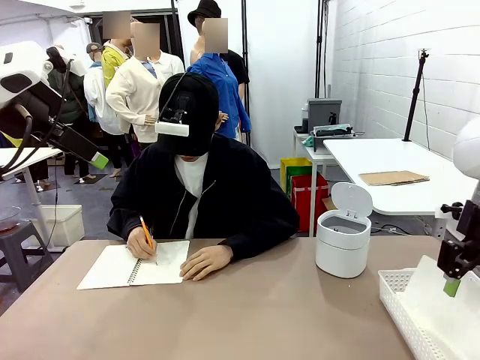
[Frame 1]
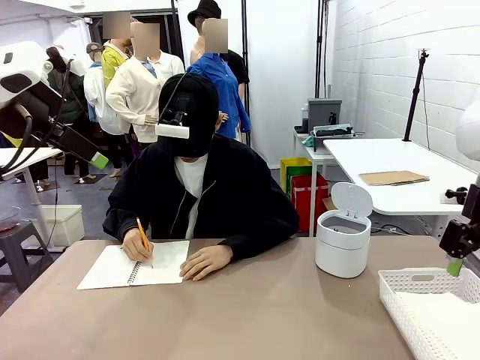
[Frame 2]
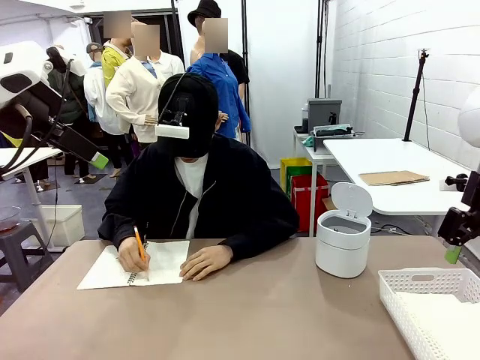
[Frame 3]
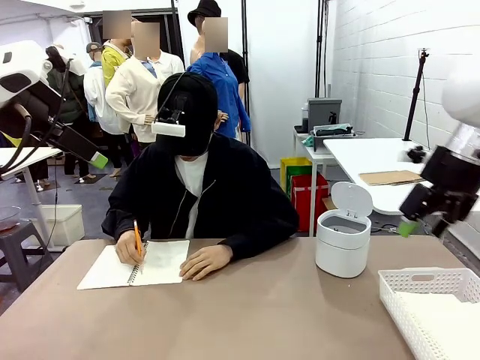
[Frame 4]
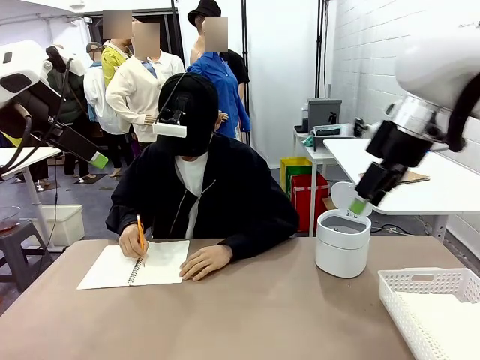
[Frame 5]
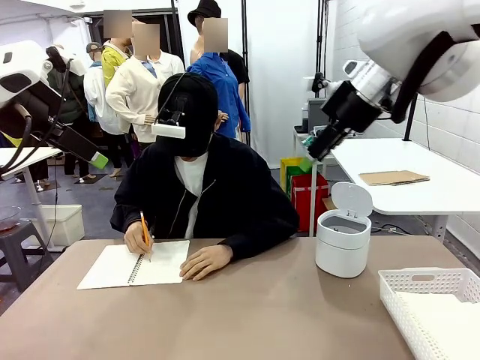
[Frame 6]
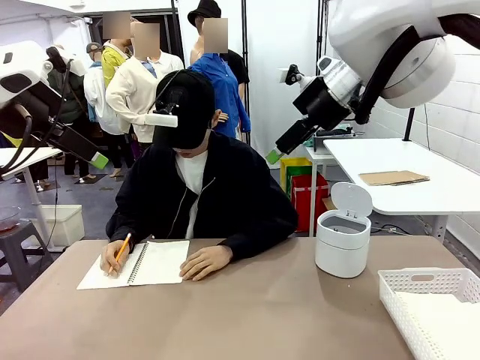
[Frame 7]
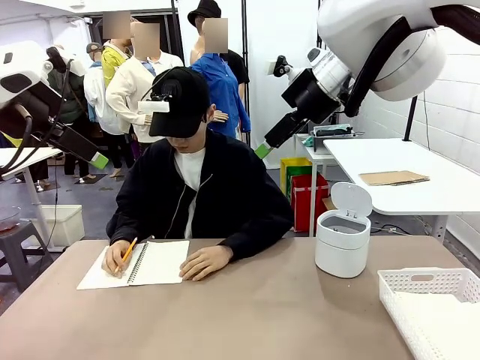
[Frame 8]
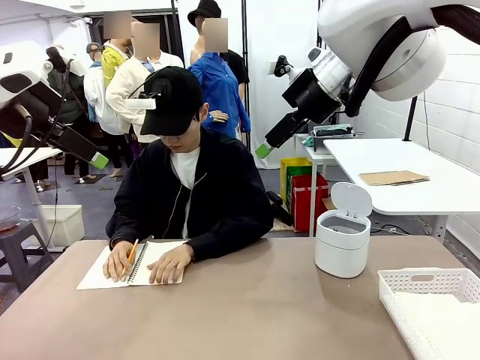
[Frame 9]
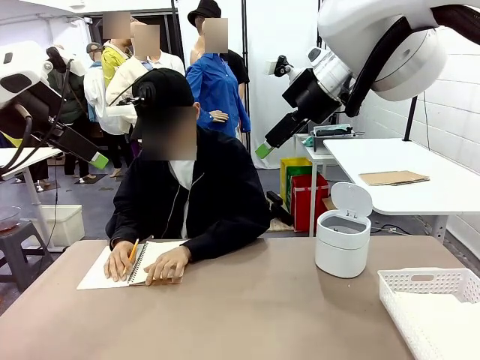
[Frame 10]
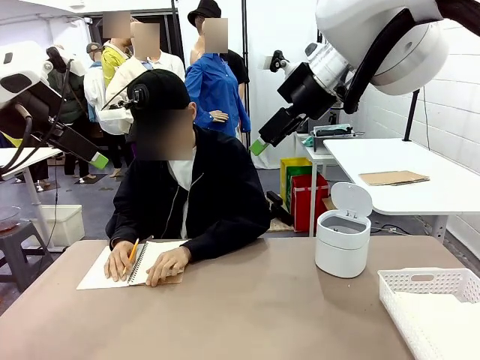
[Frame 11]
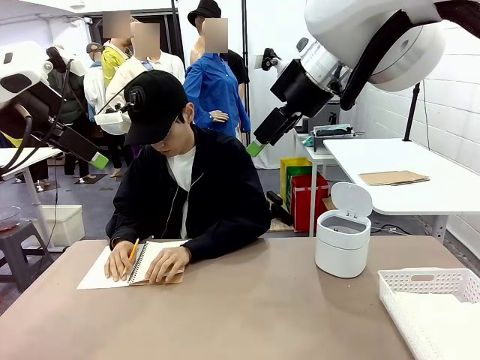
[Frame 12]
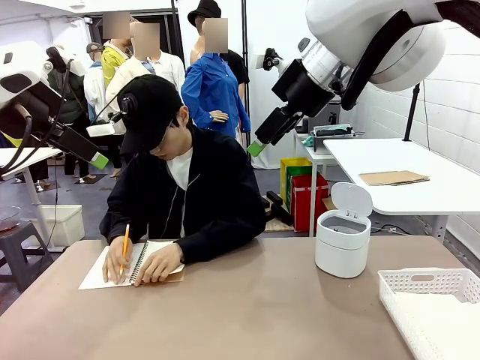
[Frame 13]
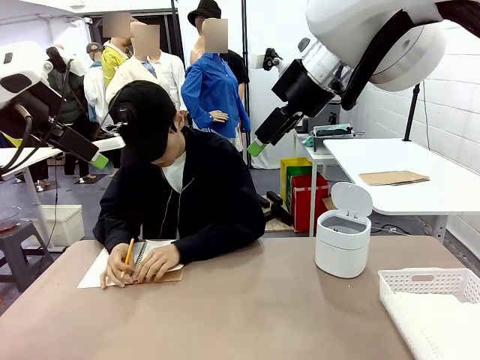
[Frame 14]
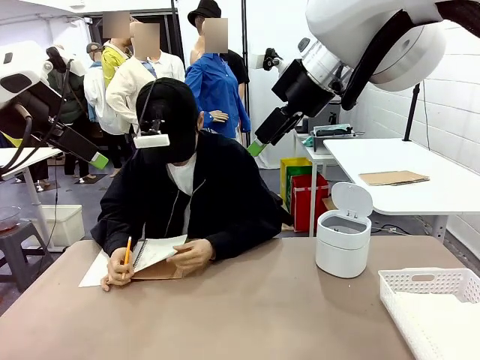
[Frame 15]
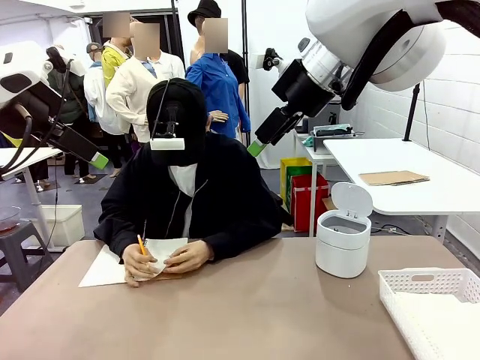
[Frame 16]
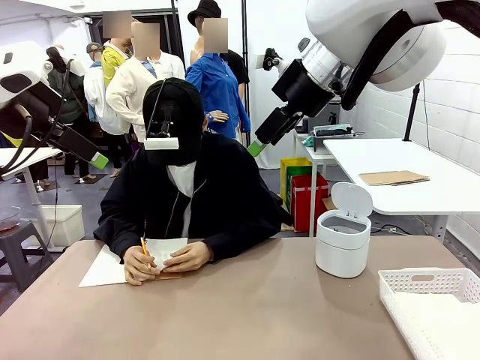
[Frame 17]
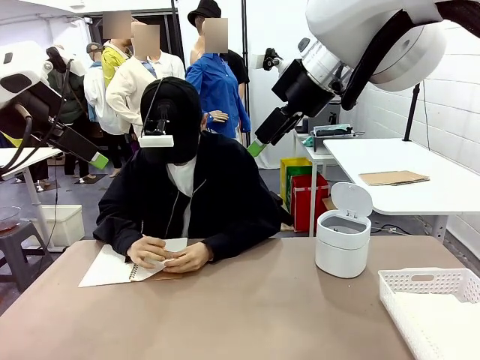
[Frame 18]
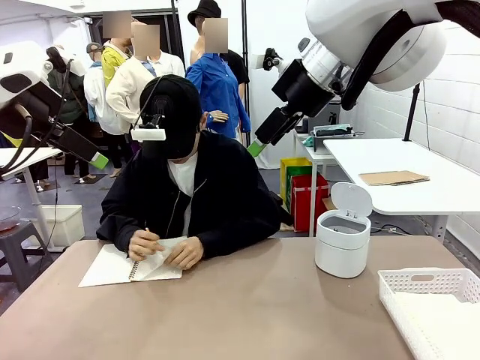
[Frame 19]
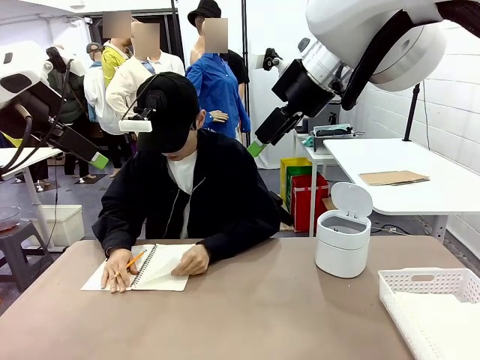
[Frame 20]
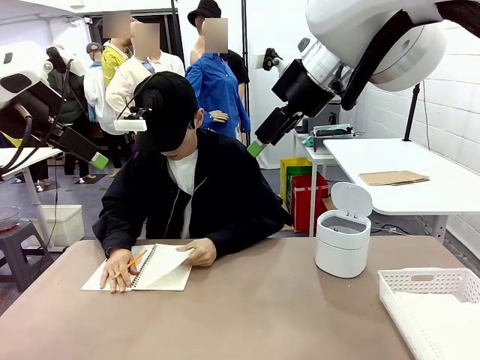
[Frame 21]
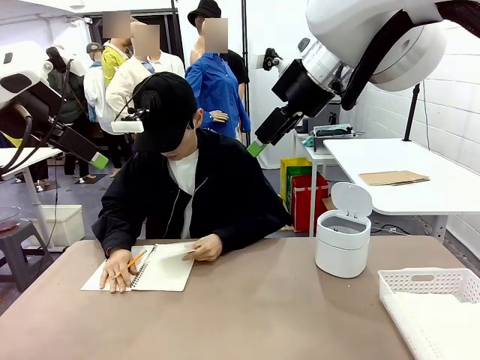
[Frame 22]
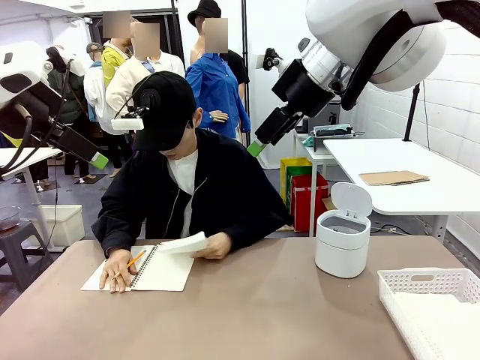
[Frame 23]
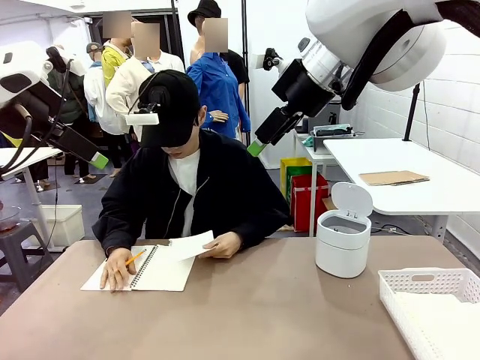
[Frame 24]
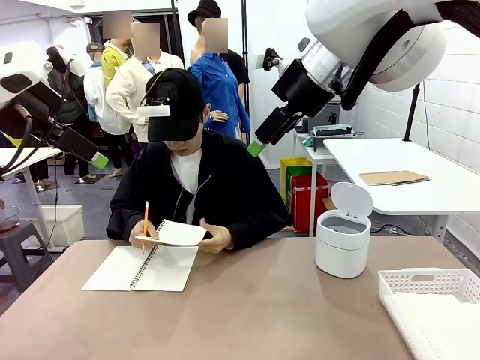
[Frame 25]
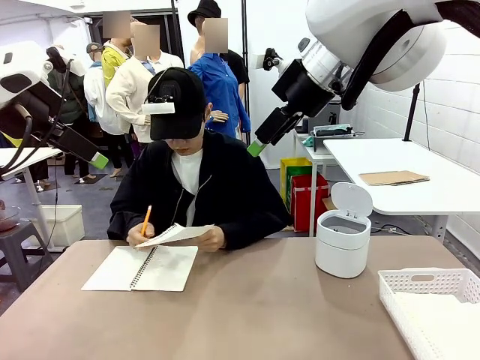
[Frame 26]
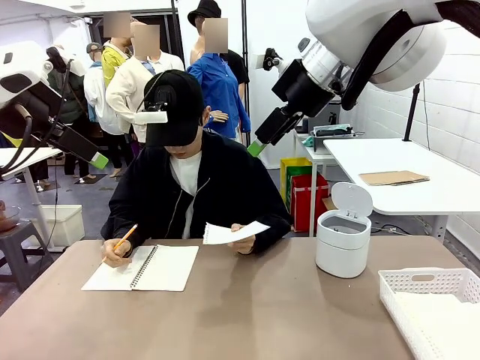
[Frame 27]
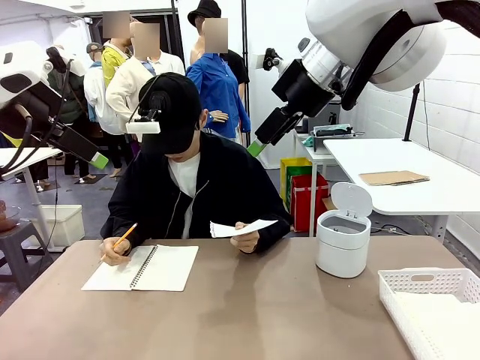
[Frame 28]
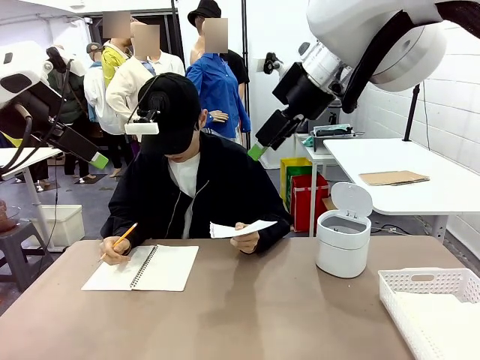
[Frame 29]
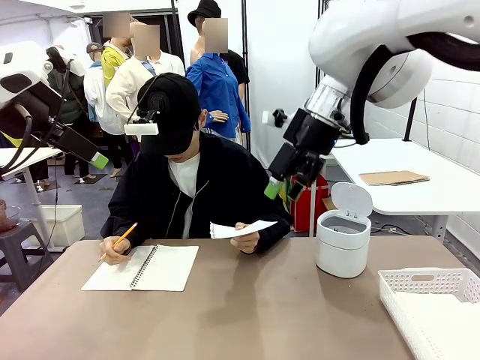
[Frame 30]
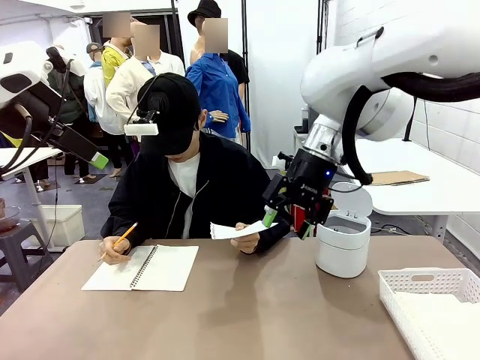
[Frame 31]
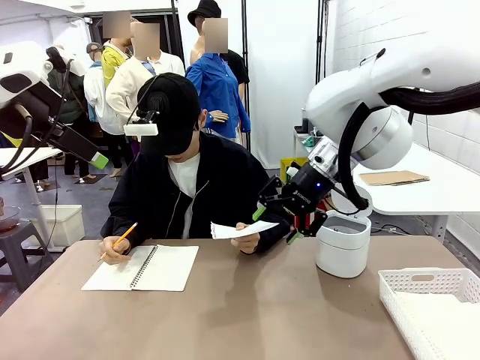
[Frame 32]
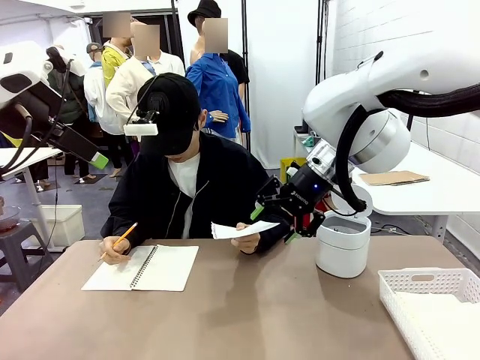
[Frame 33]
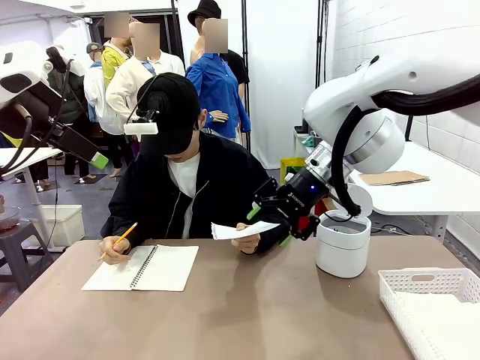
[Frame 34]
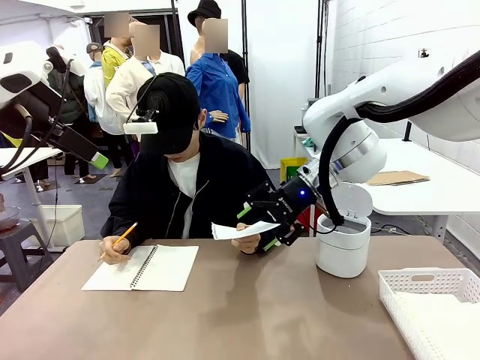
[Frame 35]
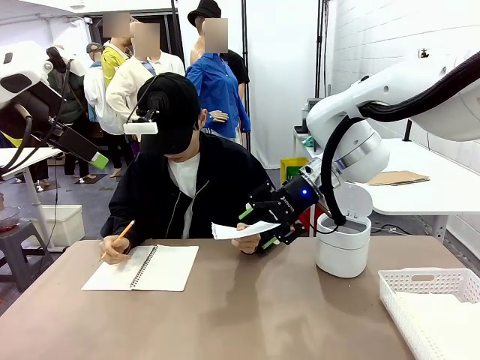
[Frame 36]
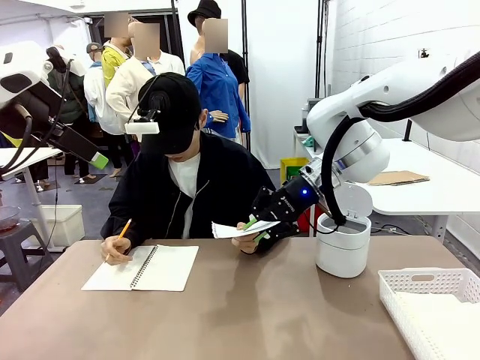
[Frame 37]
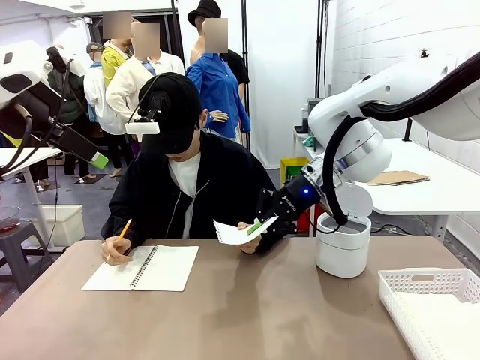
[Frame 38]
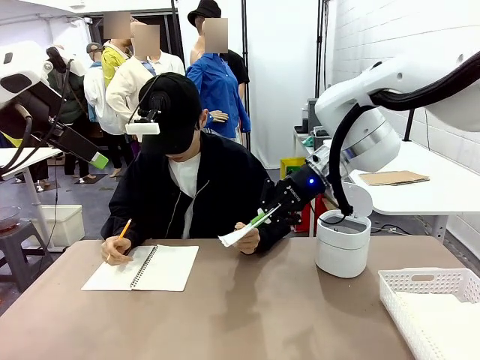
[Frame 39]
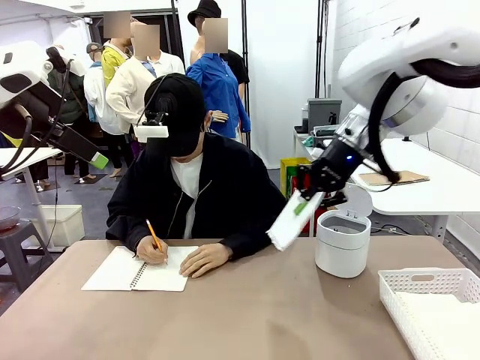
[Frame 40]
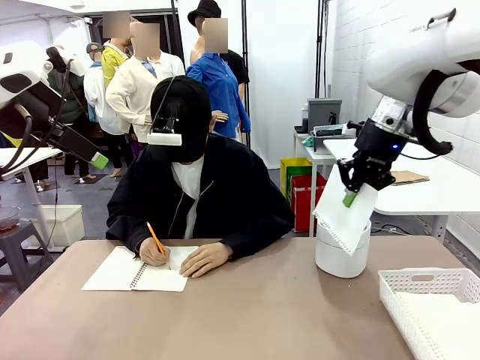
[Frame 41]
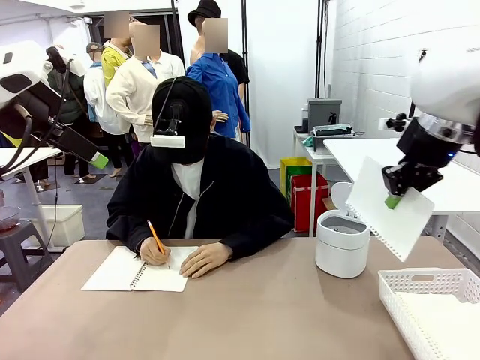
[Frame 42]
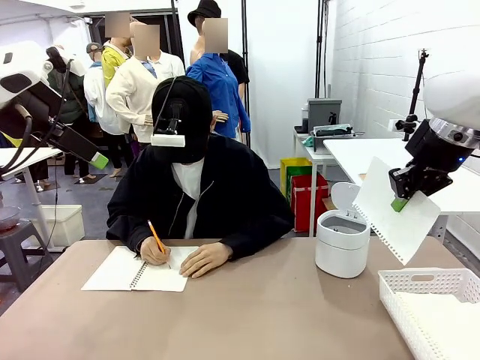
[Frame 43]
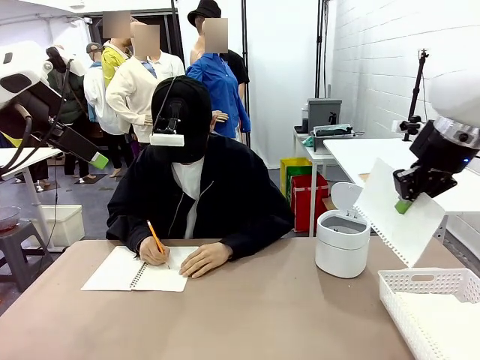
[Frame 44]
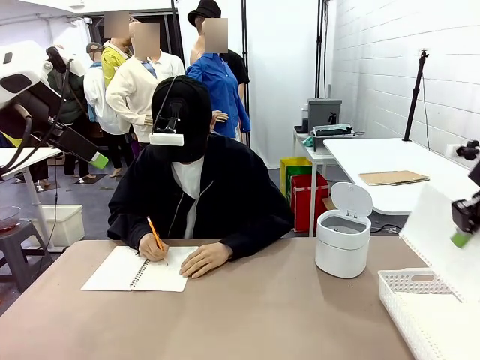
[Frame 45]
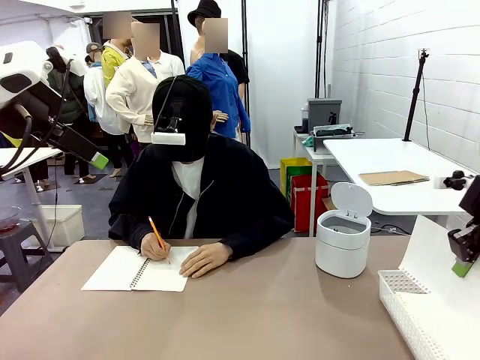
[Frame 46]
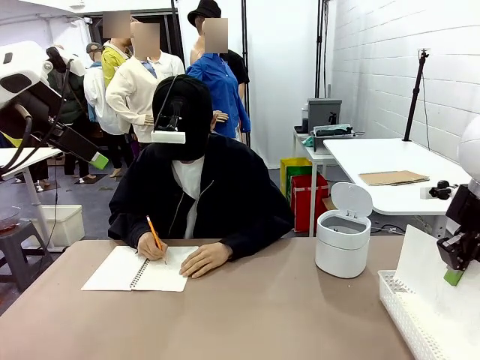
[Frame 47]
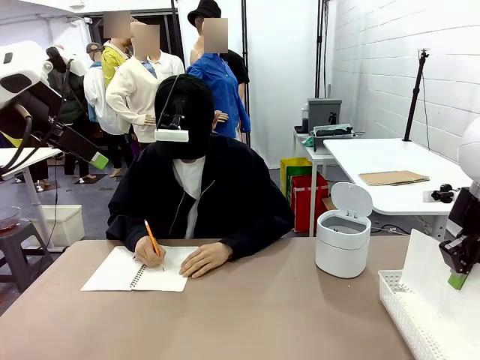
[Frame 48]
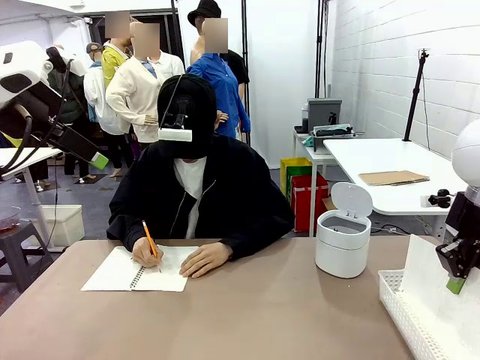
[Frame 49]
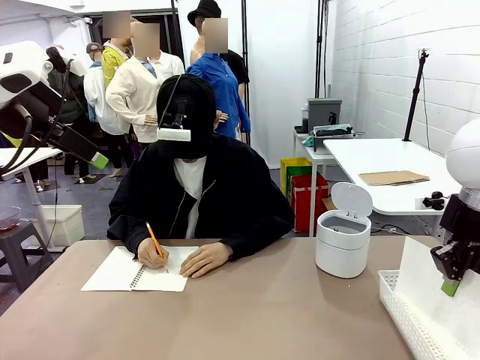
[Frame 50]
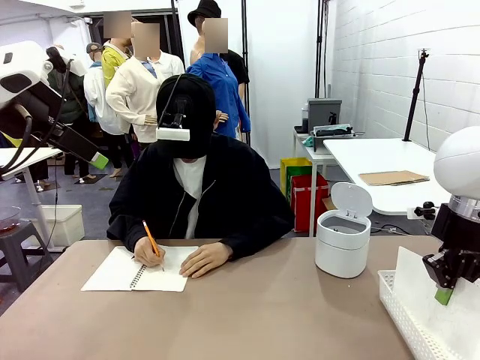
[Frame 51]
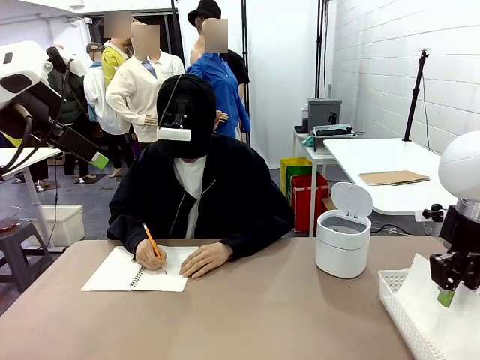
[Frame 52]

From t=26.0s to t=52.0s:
Task: Sort the paper based on its condition.
Robot: If a person hands you a paper, place it in the Organizing basket , and if it's crumpled, put it in the Trash can.
Person: Hand the torn page to the robot or crumple it and throw it to the center of the table. Tear out a page from the spiral notebook.
